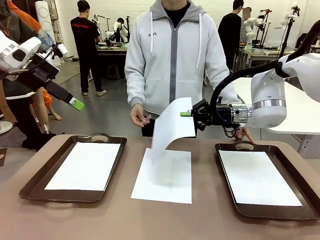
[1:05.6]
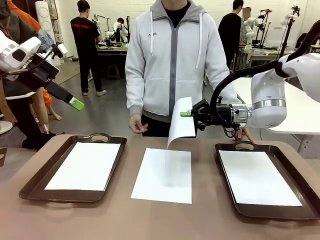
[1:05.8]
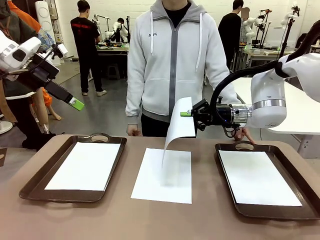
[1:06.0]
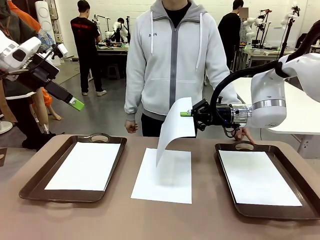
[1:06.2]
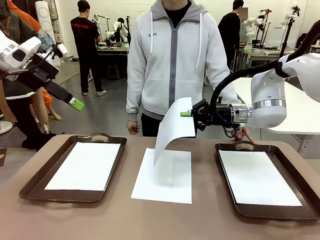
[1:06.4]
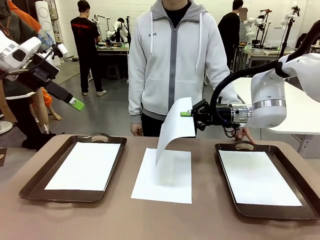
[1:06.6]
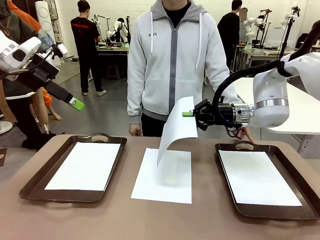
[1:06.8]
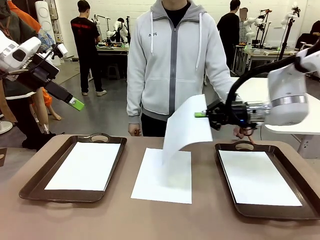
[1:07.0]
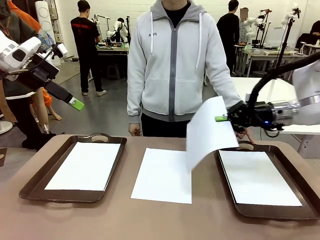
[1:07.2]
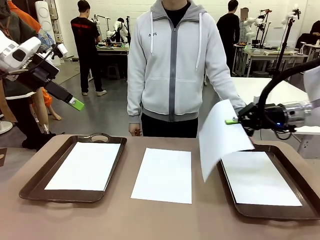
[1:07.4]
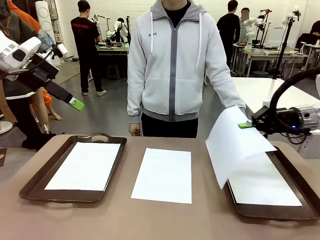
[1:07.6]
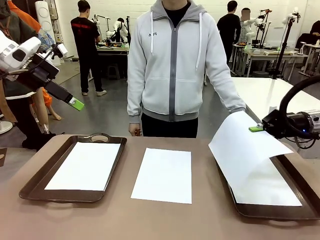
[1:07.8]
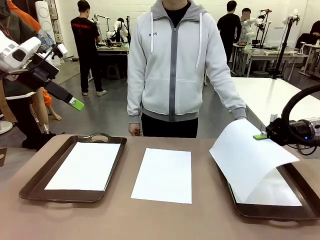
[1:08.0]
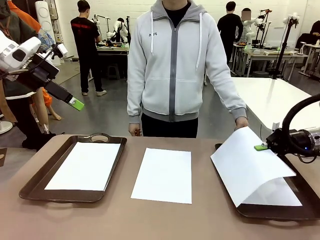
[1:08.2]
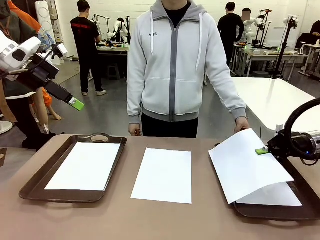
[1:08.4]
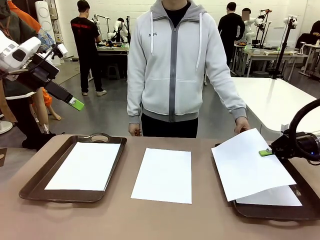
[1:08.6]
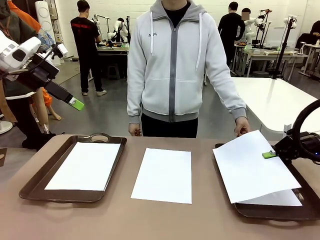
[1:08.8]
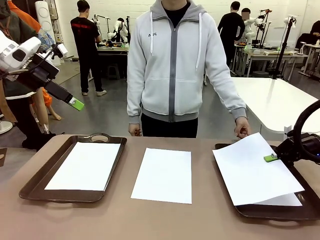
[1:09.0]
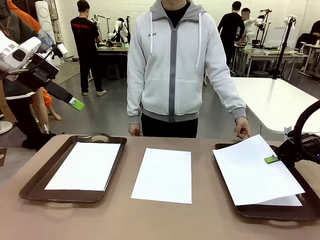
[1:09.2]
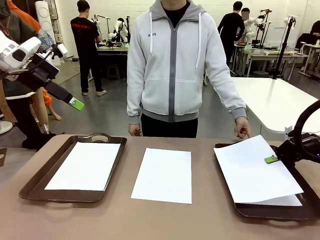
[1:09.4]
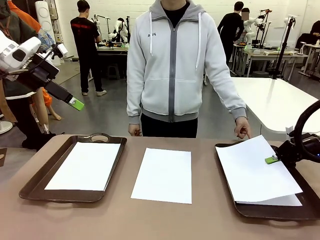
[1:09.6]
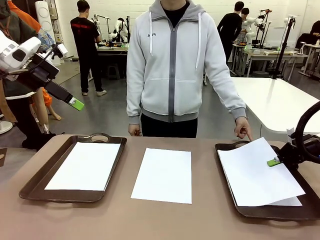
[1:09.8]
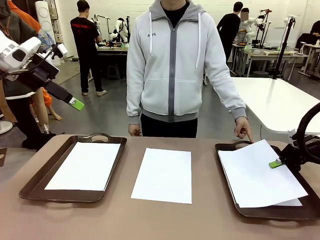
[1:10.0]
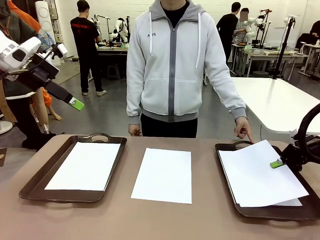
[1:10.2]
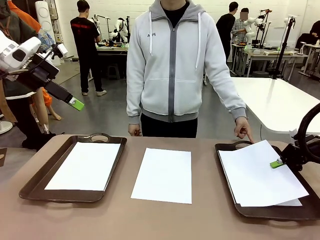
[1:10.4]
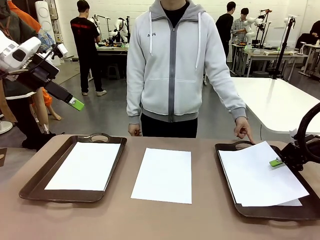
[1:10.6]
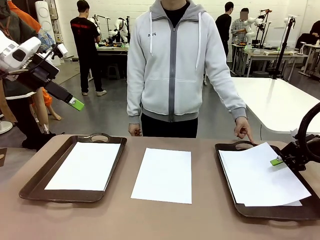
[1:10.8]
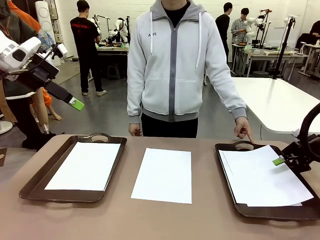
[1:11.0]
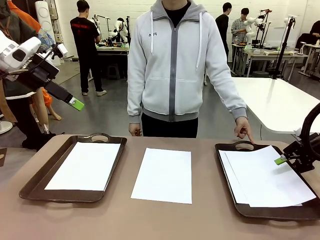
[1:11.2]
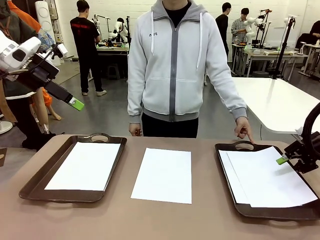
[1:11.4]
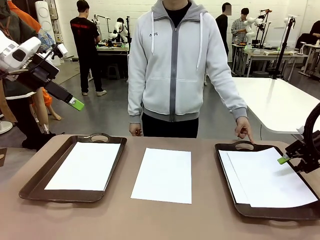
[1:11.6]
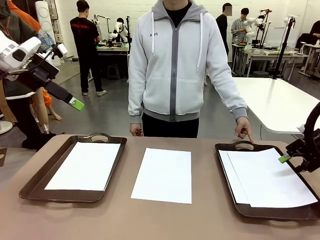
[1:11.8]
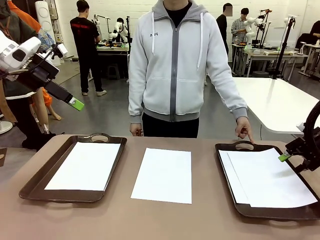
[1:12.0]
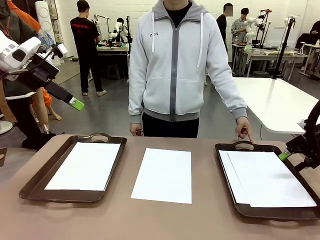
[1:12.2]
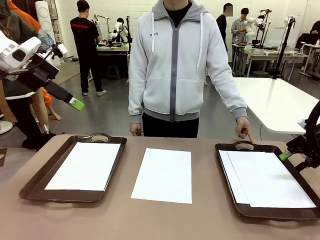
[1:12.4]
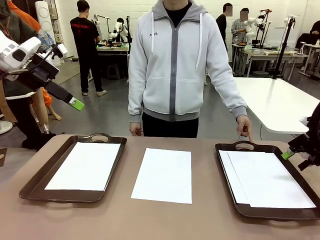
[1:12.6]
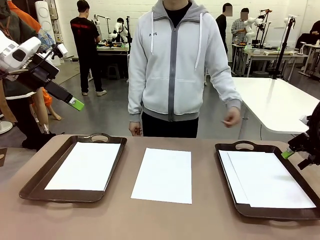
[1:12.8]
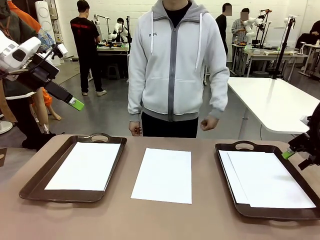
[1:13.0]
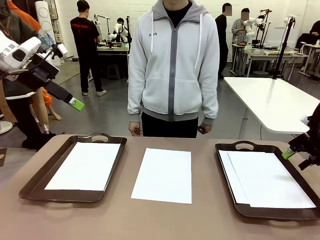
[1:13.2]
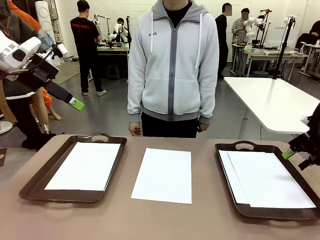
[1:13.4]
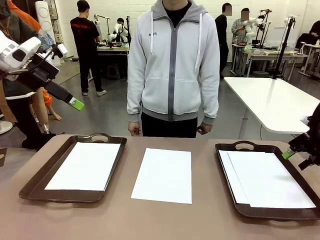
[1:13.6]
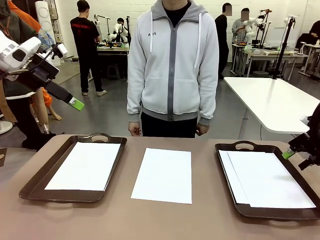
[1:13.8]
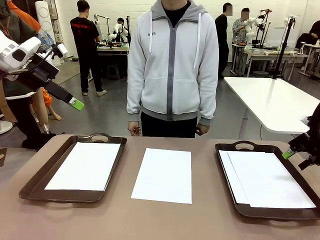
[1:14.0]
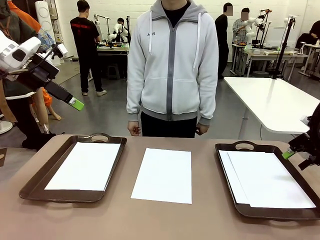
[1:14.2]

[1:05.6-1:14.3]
Task: Sort the A4 documents.
Robot: Place the A4 Paper in the designated Handle tray.

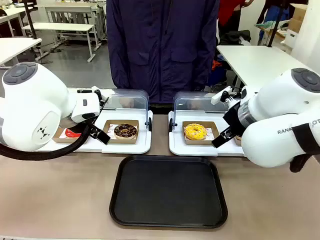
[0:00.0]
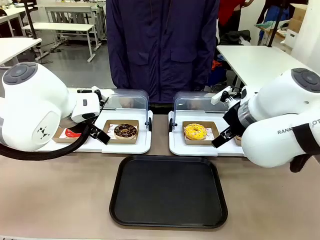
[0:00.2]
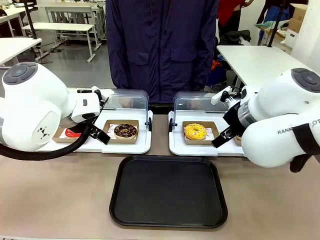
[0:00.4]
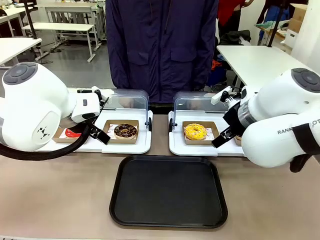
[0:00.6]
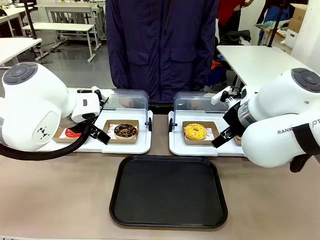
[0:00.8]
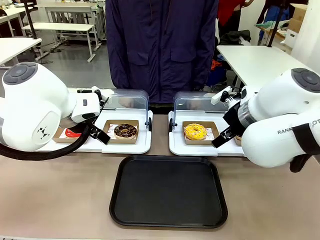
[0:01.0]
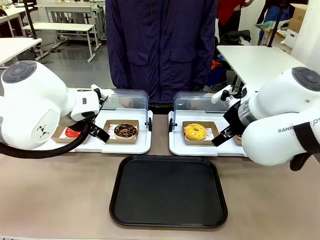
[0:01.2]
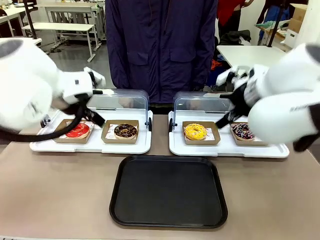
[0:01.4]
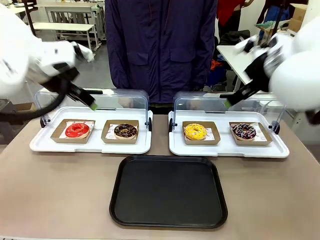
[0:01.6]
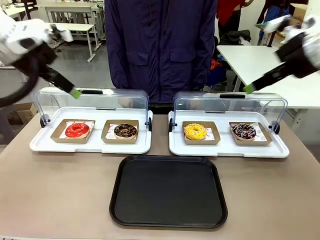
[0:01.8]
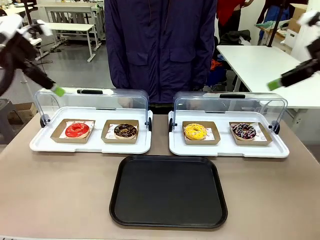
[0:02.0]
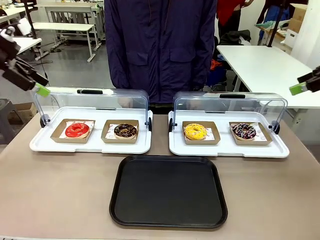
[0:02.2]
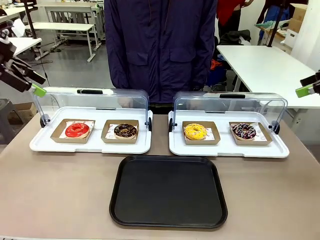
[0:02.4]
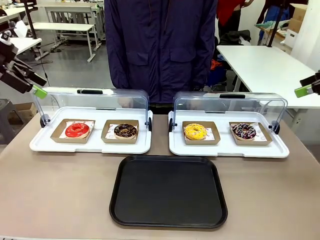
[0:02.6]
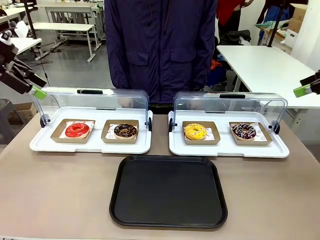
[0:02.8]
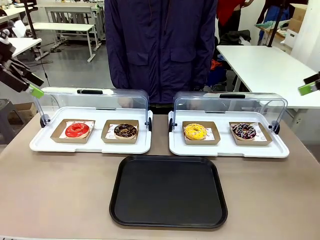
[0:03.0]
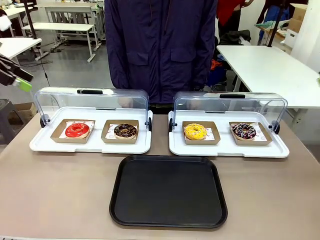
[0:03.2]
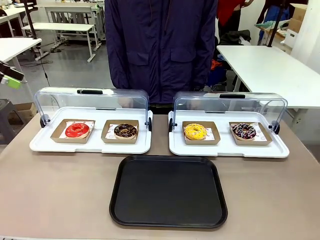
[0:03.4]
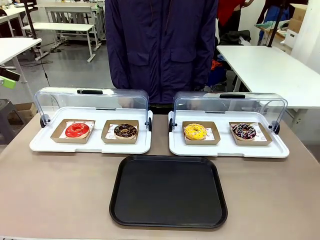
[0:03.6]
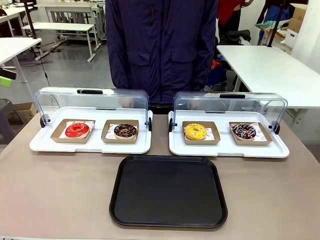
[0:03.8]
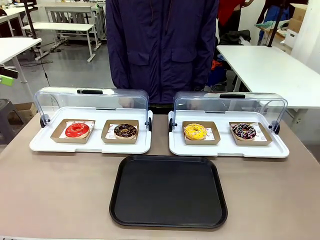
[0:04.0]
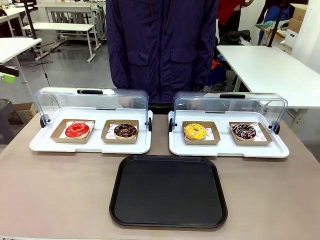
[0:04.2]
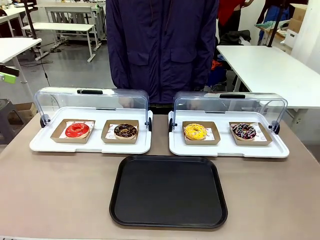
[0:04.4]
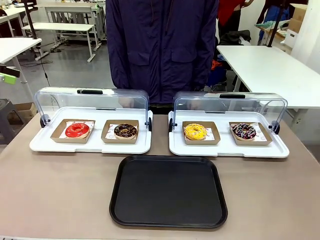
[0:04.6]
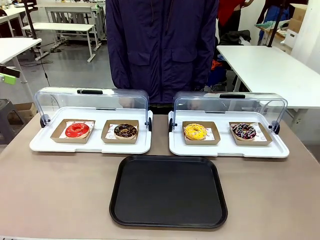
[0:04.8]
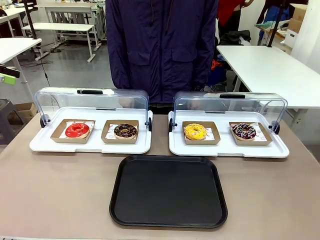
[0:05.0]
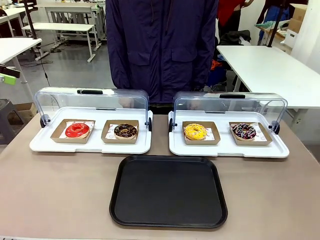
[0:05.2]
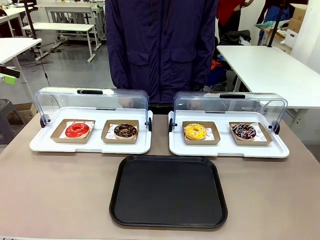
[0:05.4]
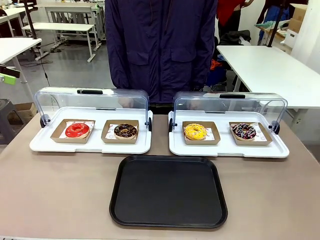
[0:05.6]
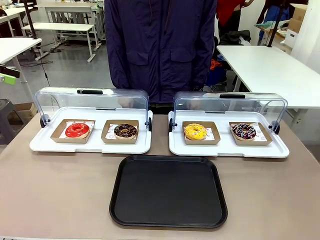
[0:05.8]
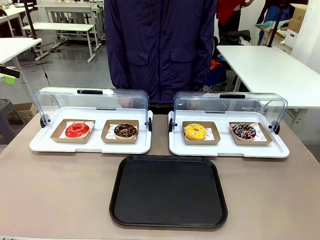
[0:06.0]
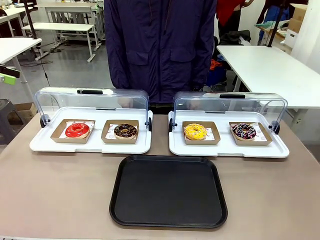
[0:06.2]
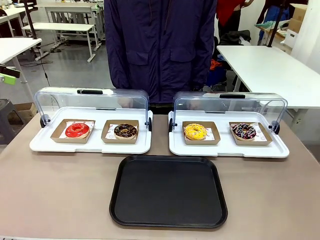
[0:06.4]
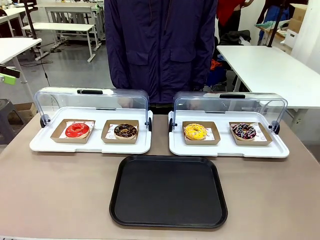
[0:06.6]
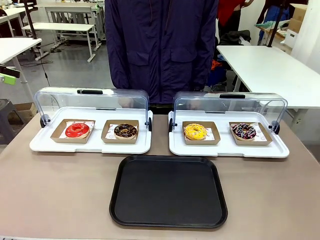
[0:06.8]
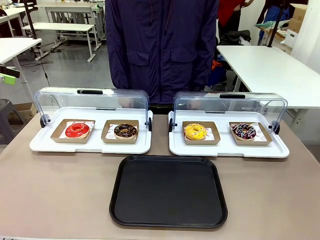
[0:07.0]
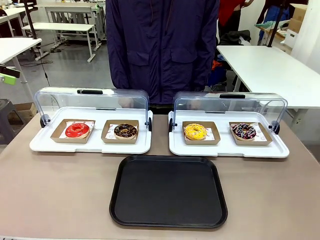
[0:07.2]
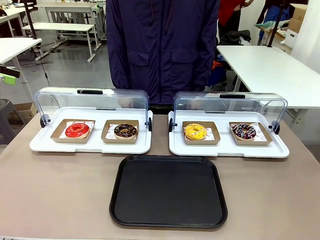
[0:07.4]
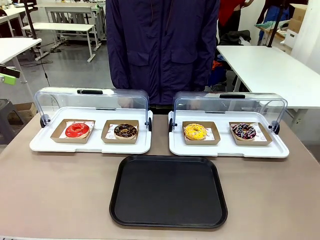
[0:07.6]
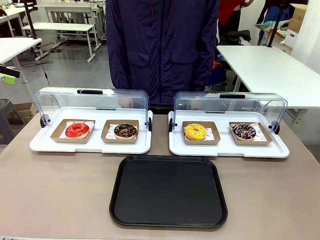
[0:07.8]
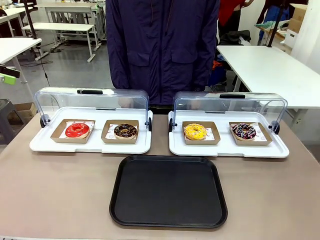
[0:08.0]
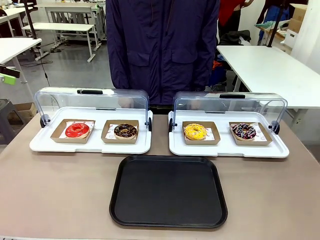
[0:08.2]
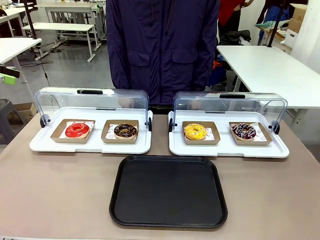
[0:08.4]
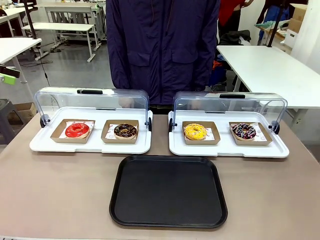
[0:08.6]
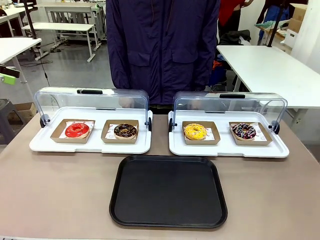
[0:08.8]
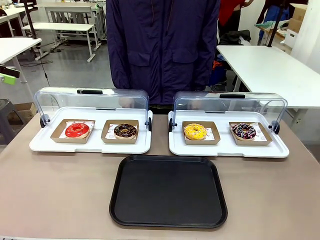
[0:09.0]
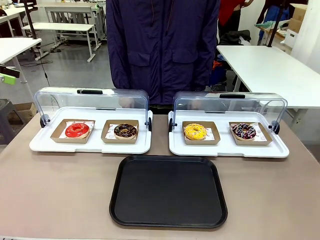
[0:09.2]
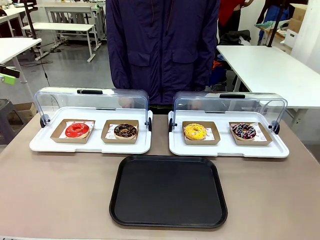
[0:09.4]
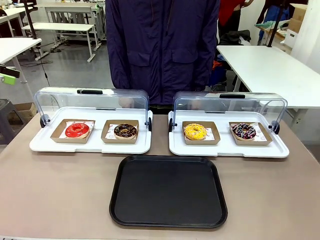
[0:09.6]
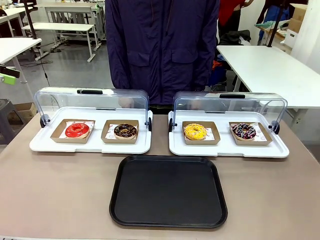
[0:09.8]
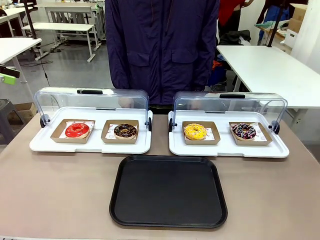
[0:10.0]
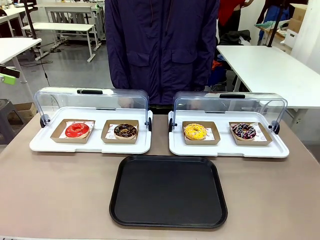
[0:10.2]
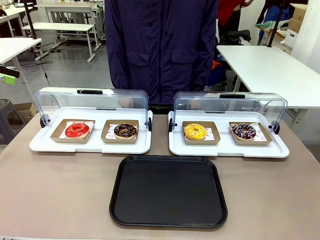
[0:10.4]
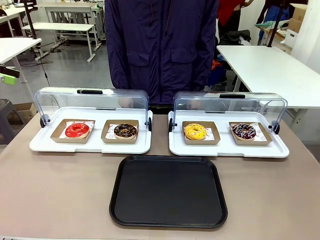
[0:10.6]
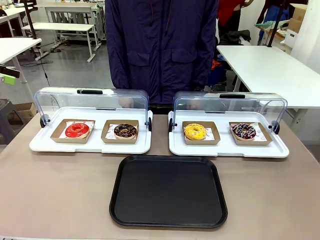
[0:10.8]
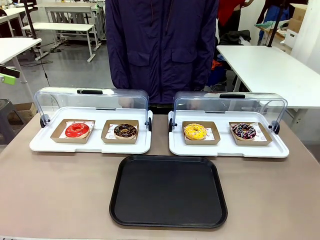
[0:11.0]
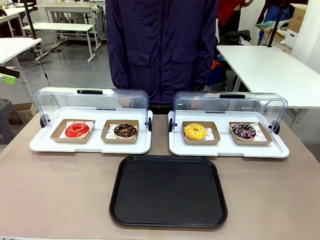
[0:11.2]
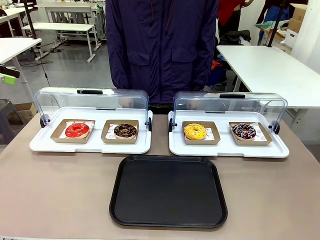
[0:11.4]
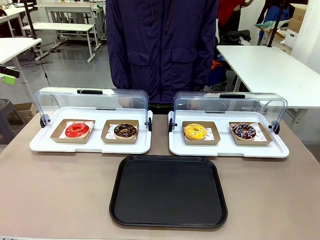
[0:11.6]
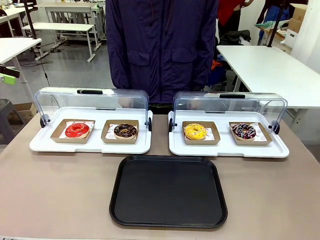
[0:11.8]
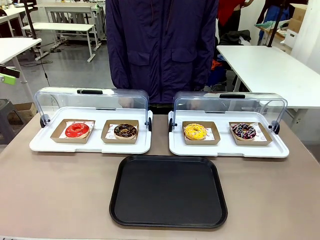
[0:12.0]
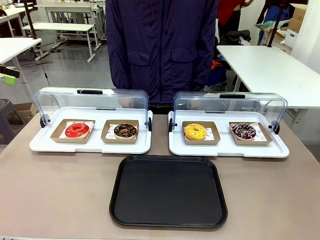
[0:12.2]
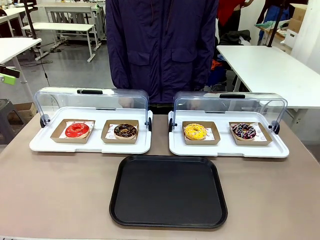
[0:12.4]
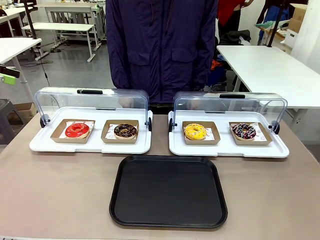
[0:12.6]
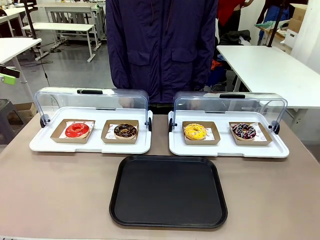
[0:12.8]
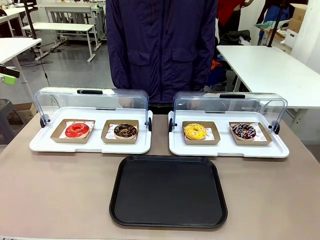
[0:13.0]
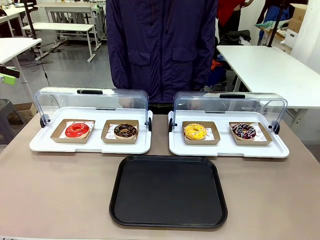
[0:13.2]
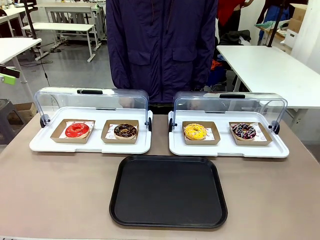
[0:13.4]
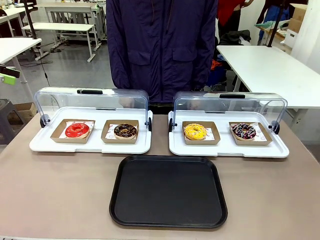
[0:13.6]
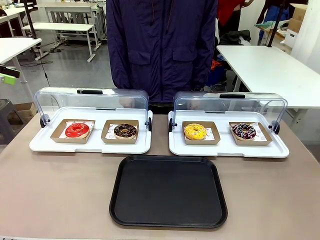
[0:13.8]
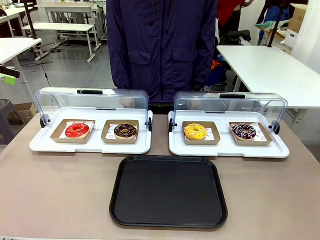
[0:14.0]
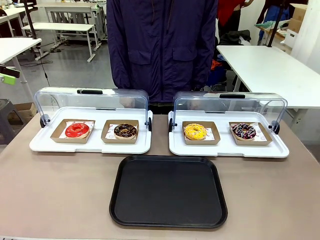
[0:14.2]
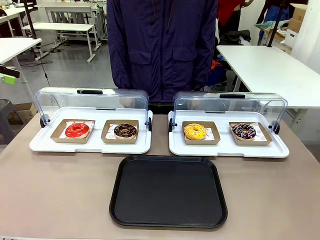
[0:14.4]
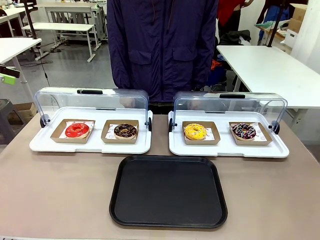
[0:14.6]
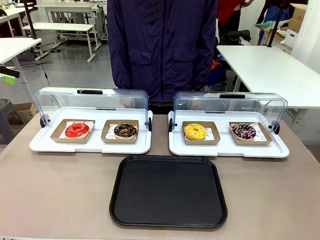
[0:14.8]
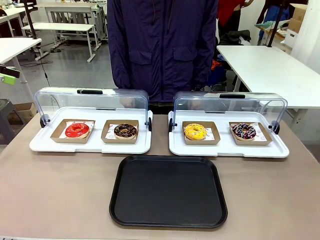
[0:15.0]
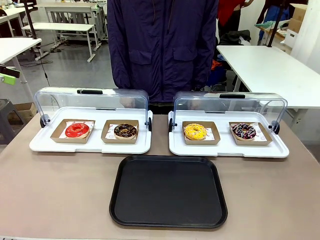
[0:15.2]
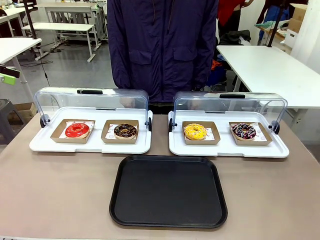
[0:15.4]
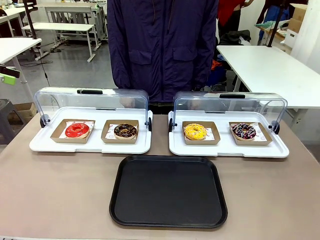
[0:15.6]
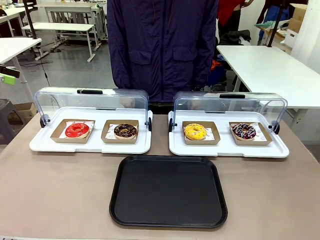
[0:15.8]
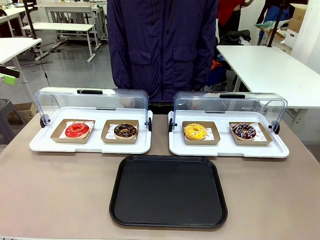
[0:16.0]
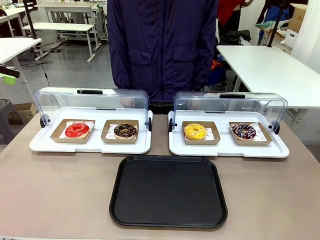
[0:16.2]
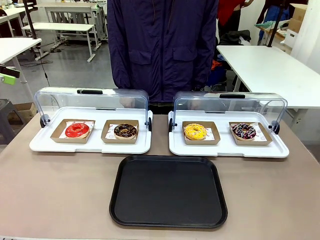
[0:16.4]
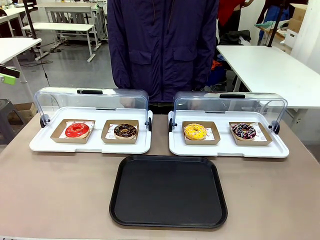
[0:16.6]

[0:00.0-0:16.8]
Task: Move the first donut from the left to the tray.
Robot: Pick up the Paper togo box containing the Donut indicated by the person and place it on the Handle tray.
